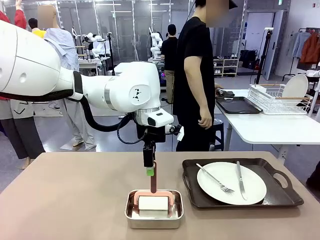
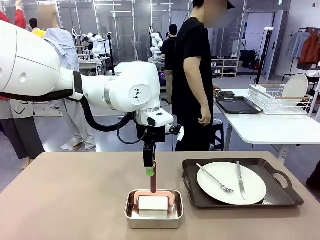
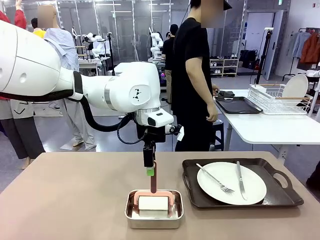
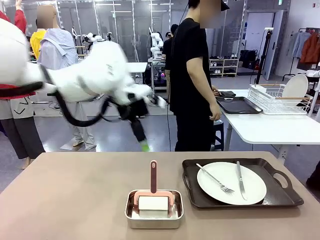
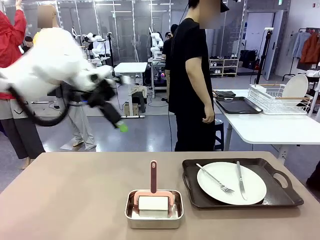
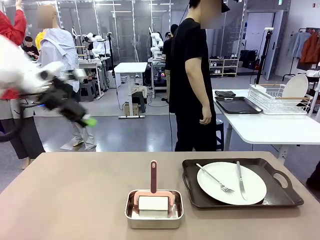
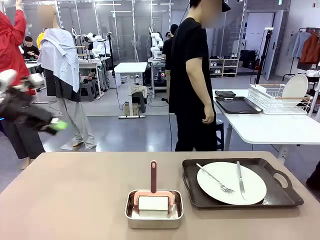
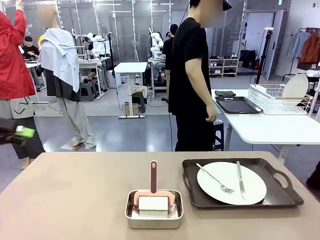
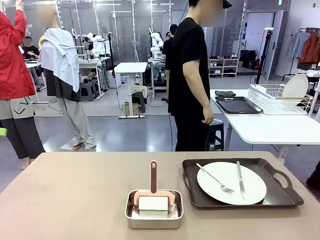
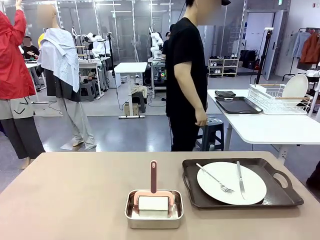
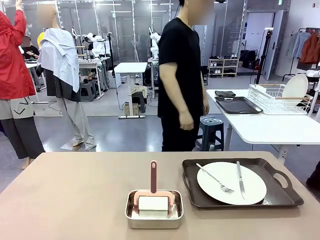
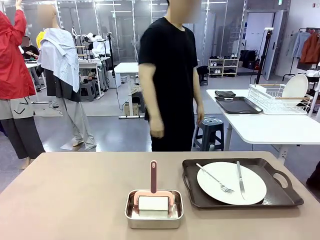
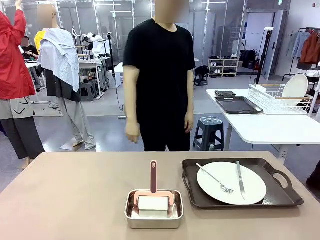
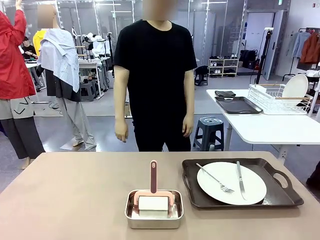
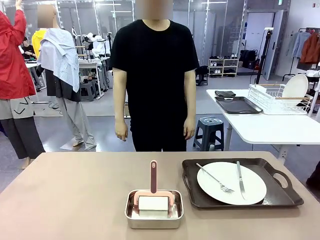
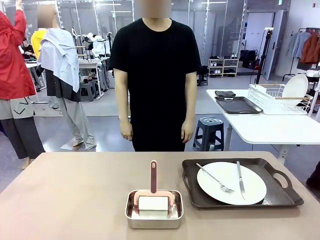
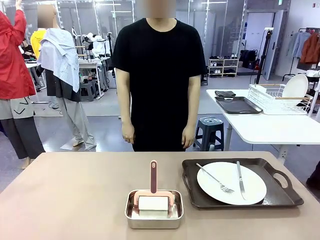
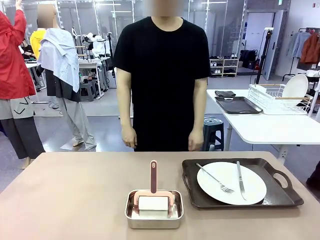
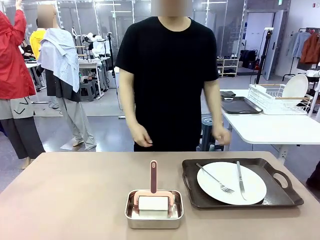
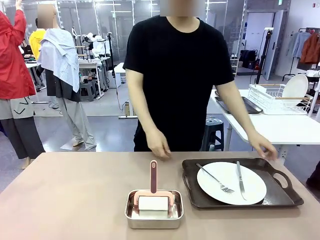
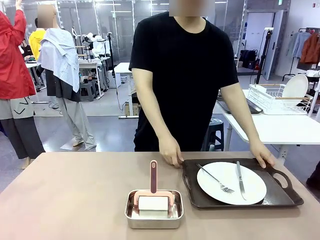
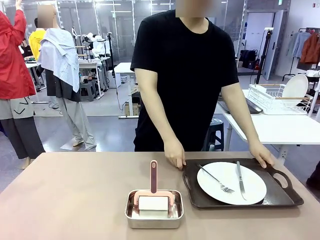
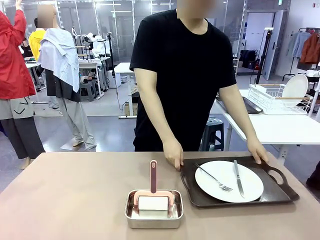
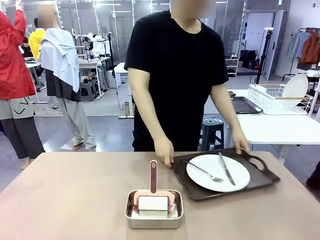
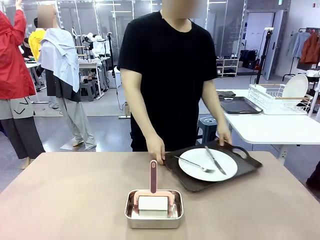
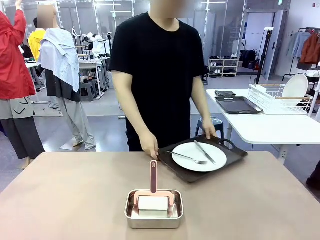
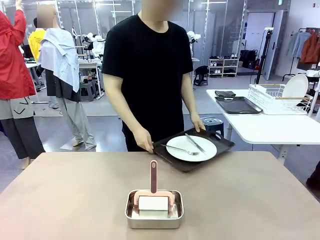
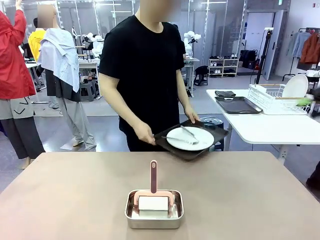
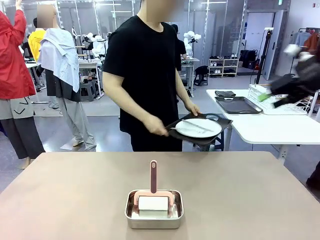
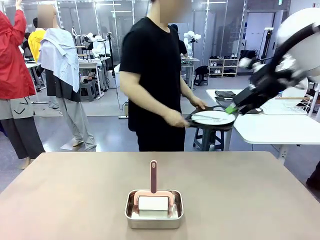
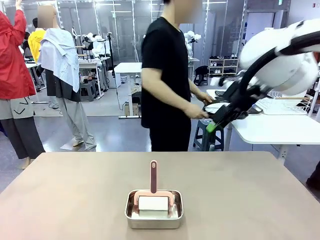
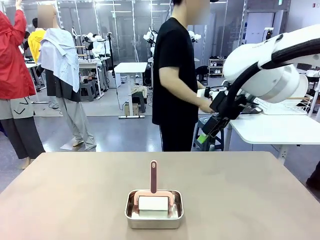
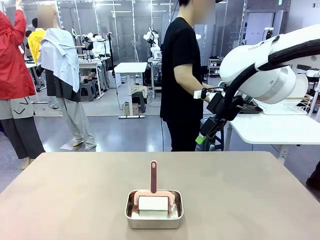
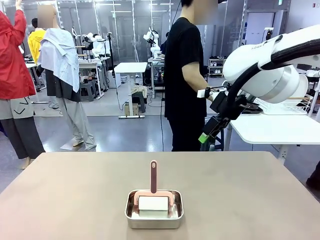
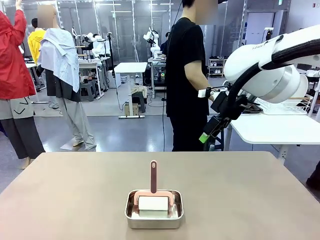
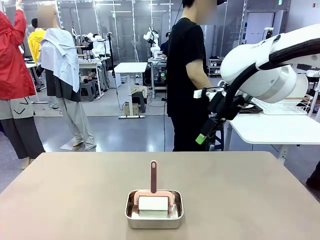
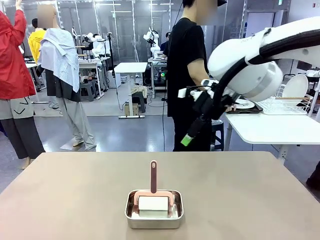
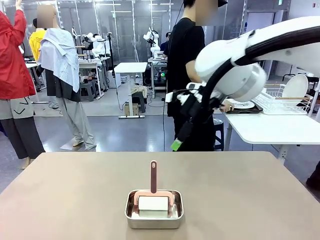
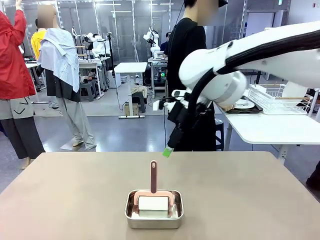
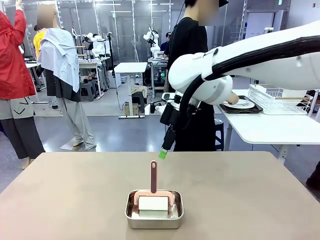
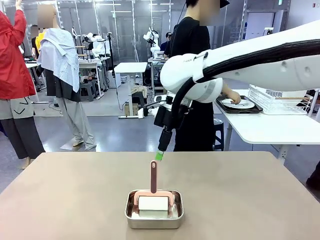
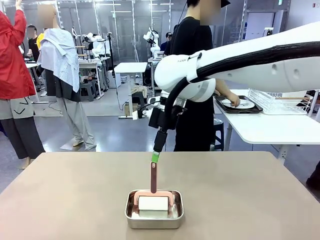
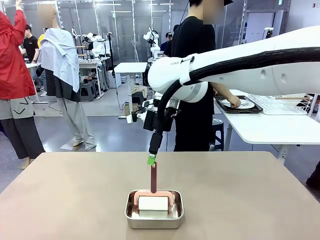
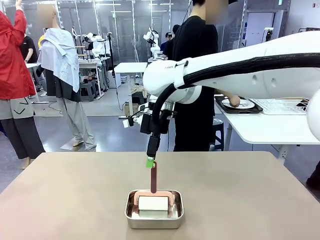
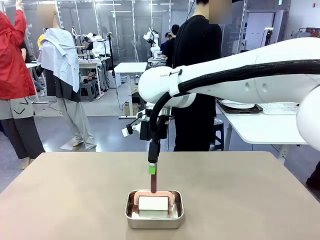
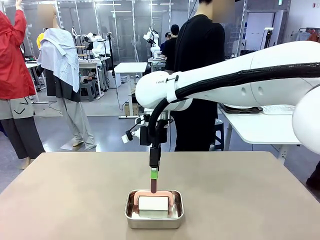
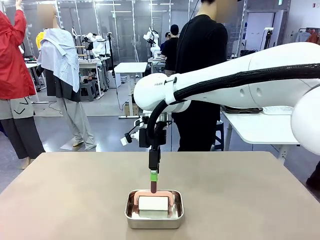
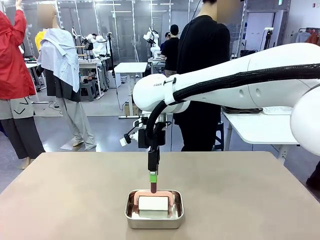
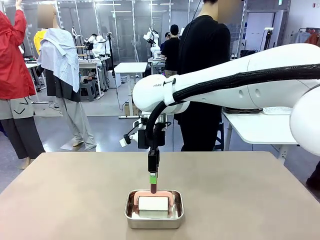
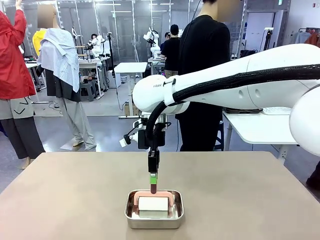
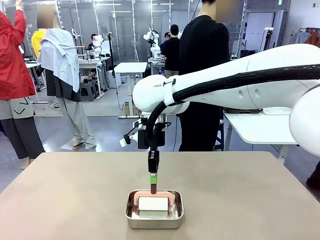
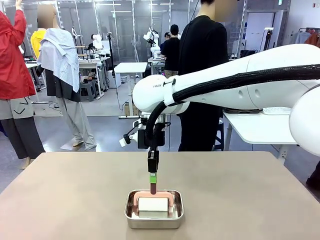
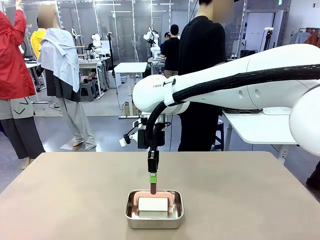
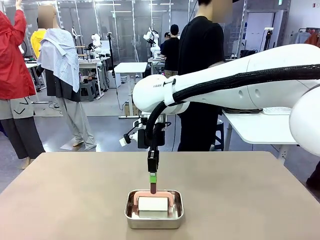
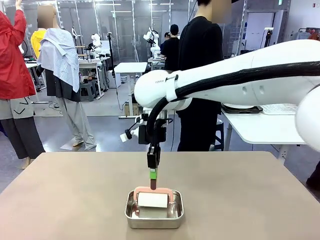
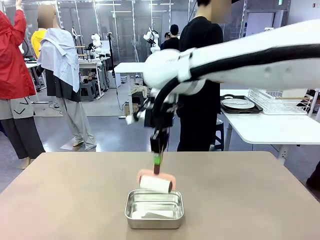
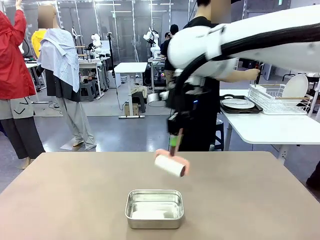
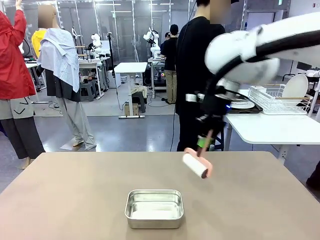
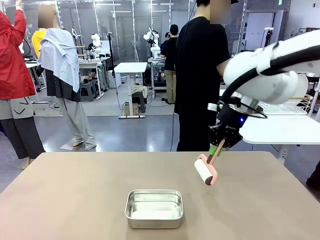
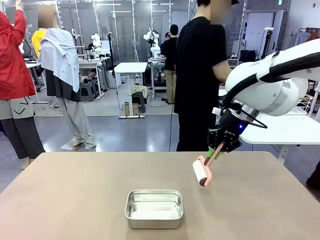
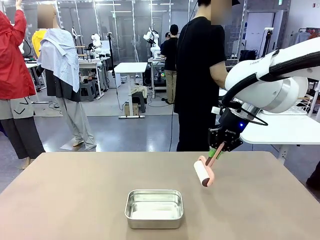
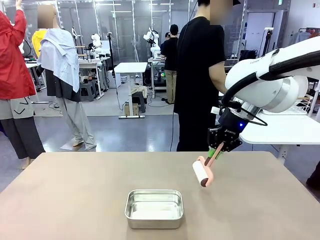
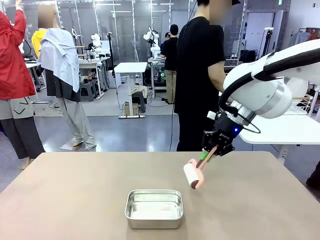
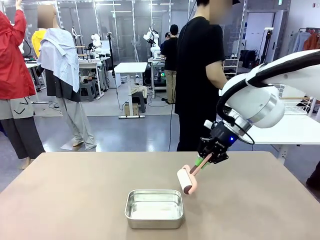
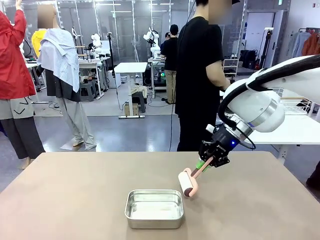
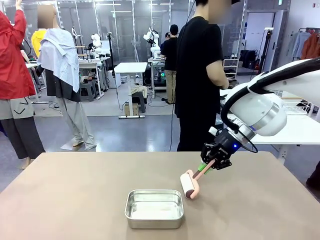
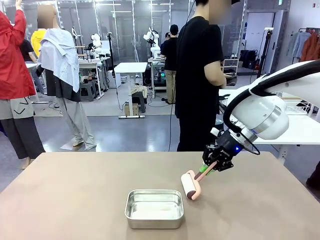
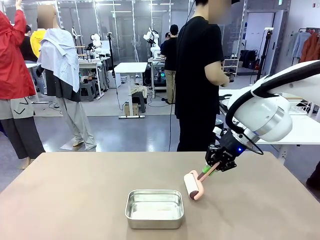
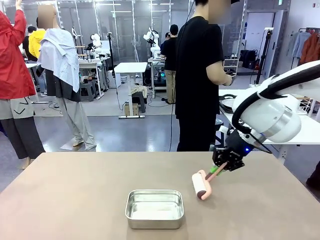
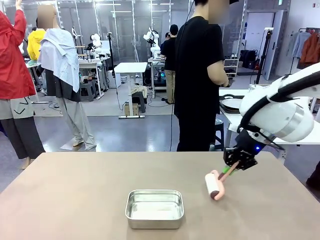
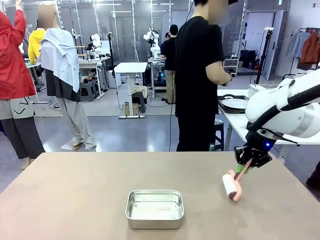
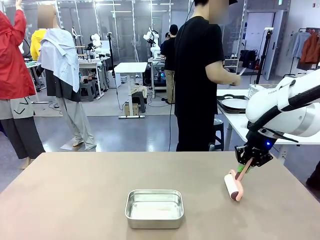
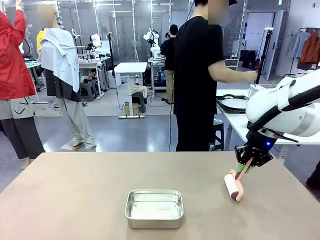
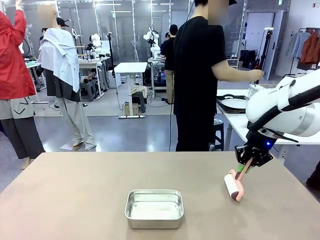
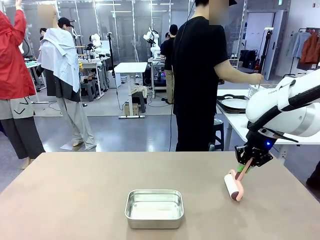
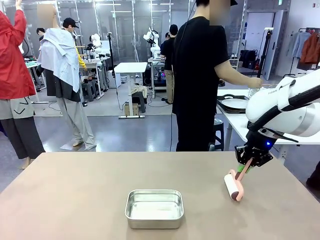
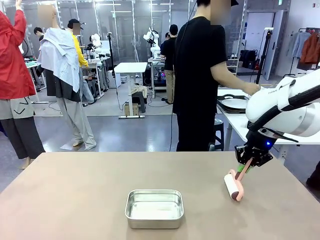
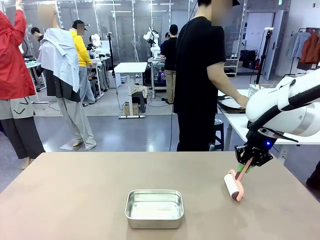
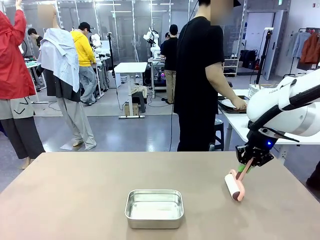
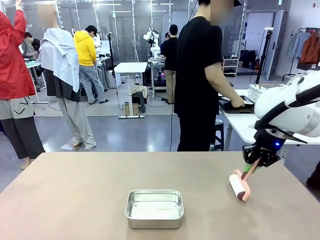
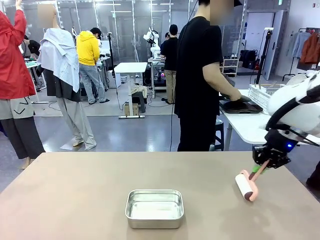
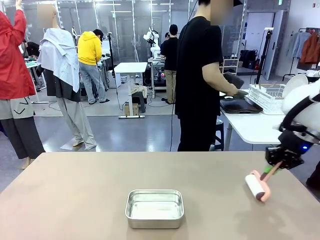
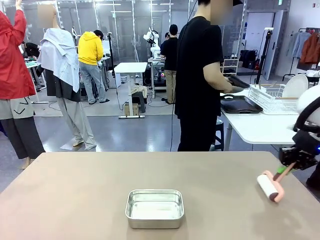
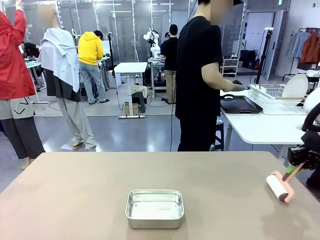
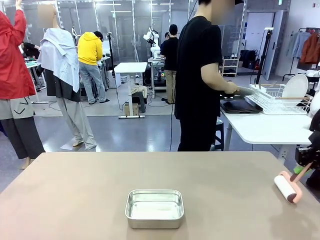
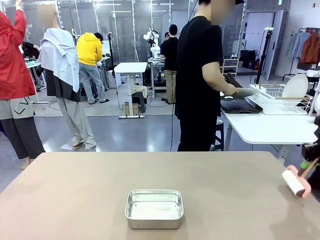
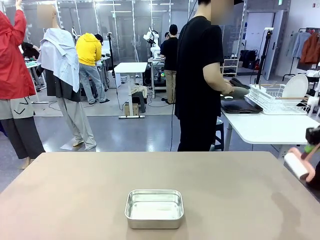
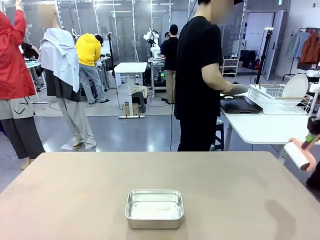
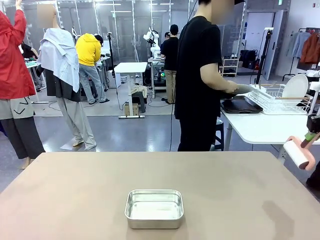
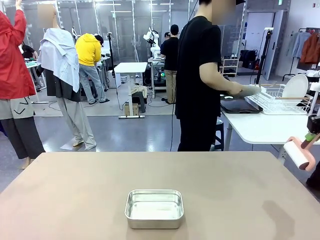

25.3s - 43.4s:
Robot: When the right (or left) Handle tray is removed, use the right hand (or left hand) to clean the right (or left) side of the table with the Lint Roller.
Person: Pick up the left (or right) Handle tray and place it on the Handle tray. Use the Towel with hook to wipe the Plastic Matte Plate , Fork , and Knife and place into the Dish drying rack.

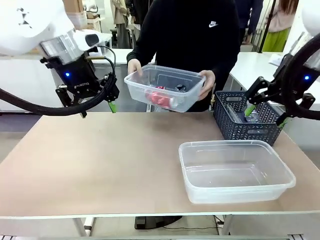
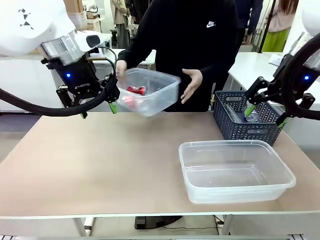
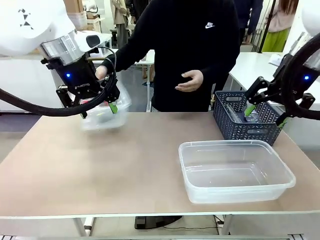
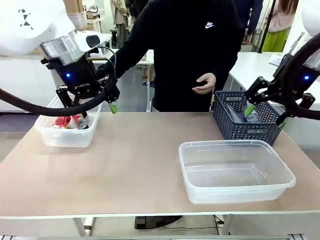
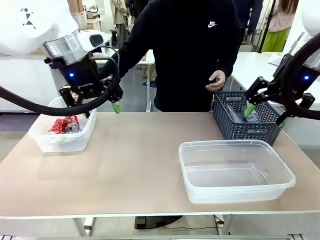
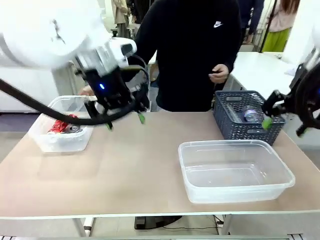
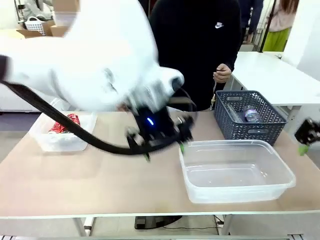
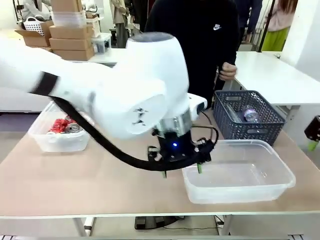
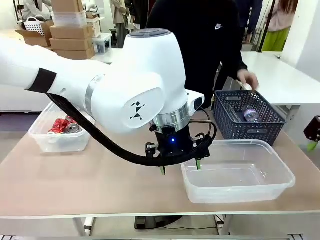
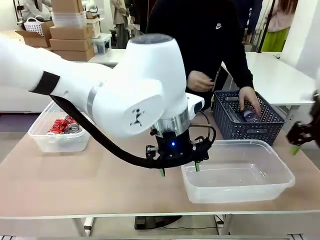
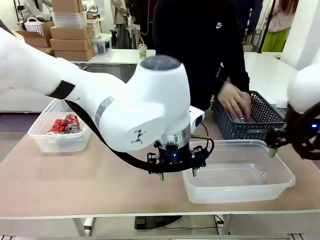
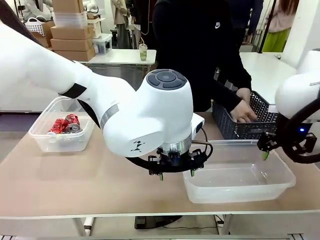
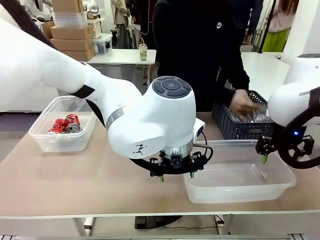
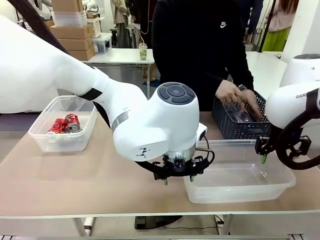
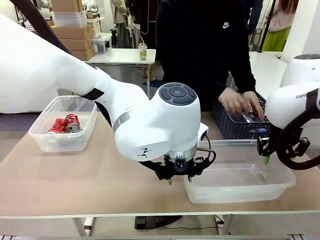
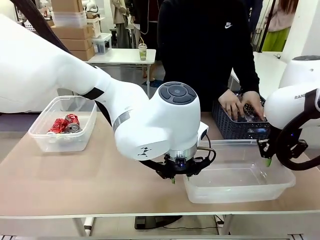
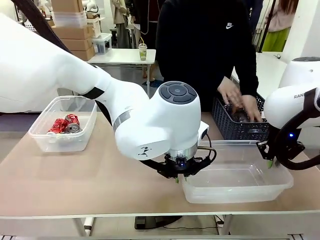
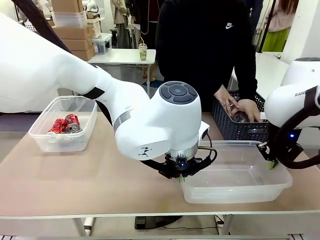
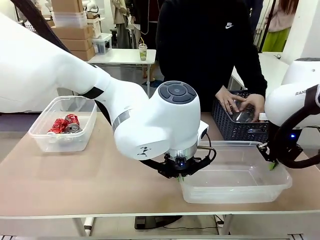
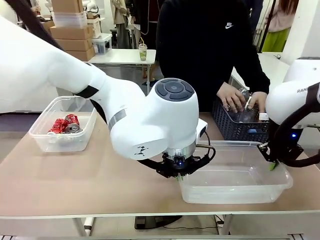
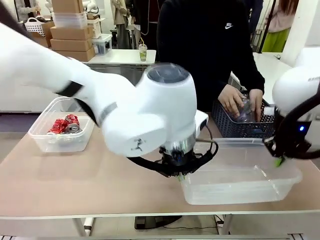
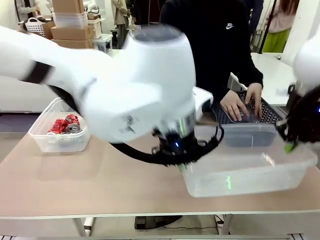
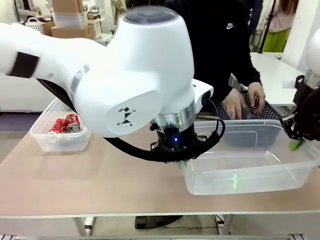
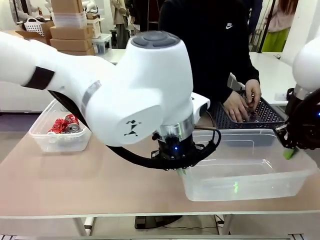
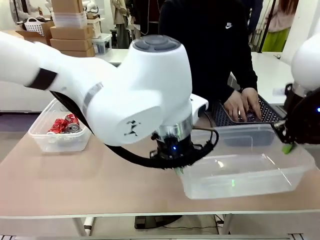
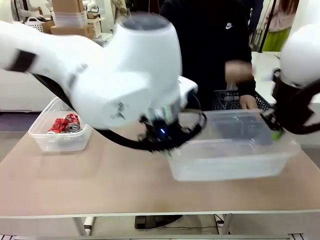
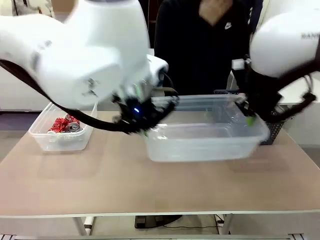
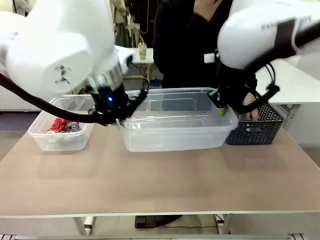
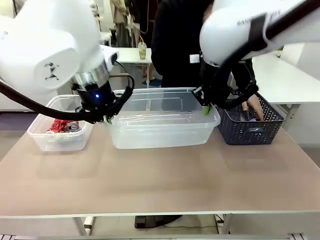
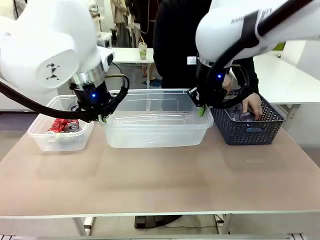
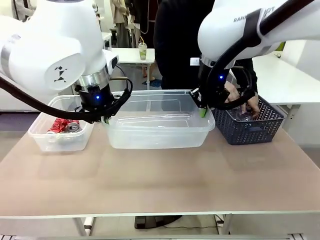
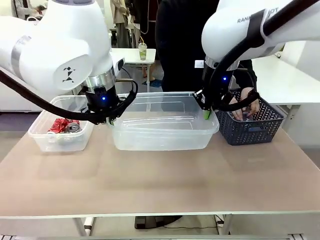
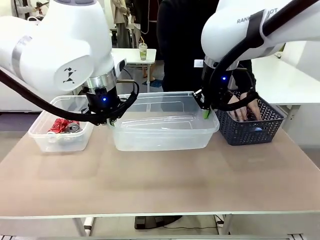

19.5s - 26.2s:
Robot: Pick up the Organizing box on the right side of the table and lift it.
Person: Place it at the edge of the bottom right area of the robot table. Pick up plastic waste one by one and place it into the organizing box lifted by the robot.
